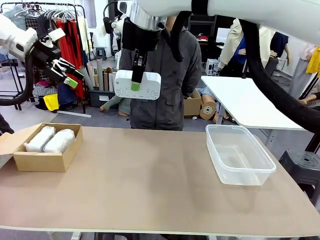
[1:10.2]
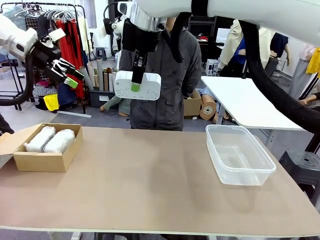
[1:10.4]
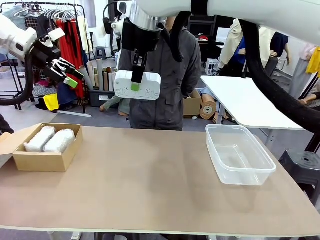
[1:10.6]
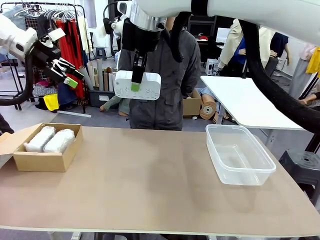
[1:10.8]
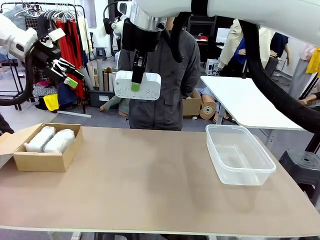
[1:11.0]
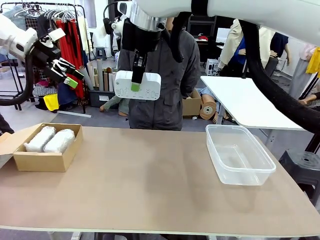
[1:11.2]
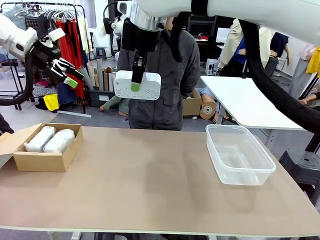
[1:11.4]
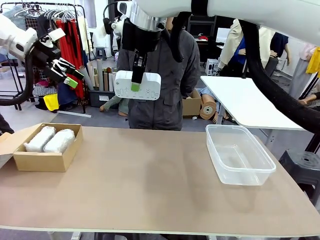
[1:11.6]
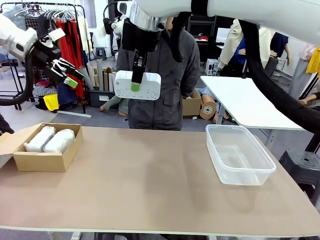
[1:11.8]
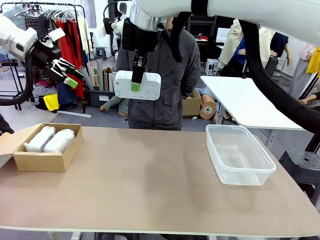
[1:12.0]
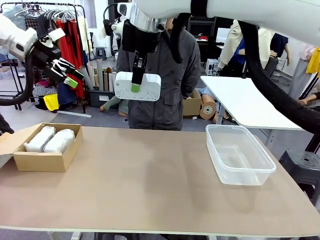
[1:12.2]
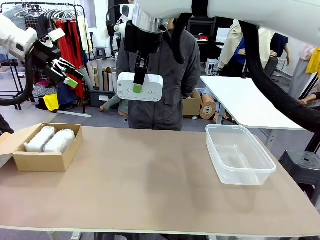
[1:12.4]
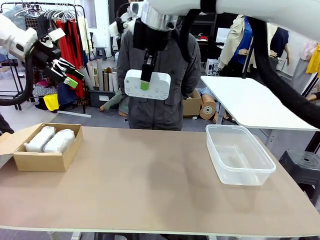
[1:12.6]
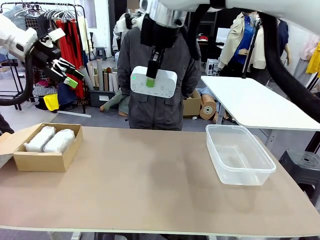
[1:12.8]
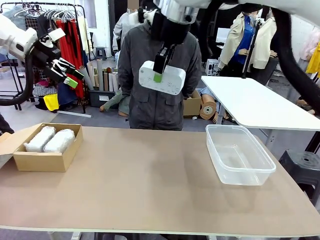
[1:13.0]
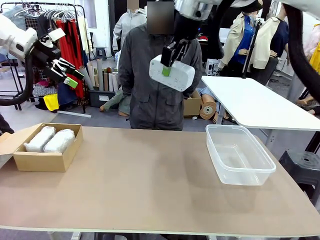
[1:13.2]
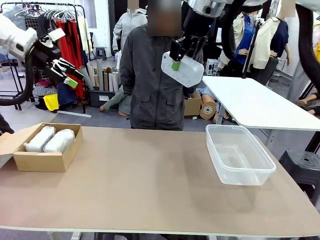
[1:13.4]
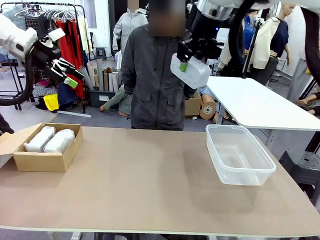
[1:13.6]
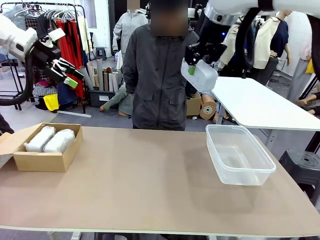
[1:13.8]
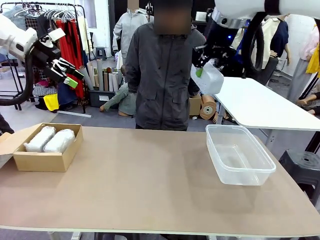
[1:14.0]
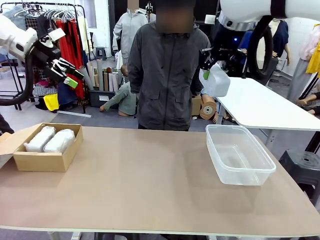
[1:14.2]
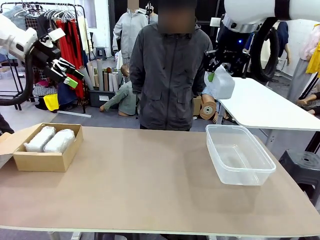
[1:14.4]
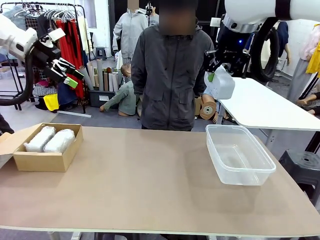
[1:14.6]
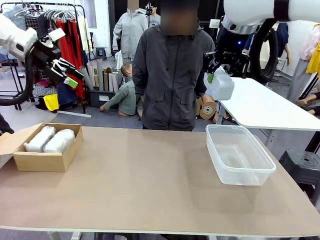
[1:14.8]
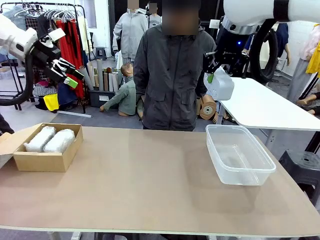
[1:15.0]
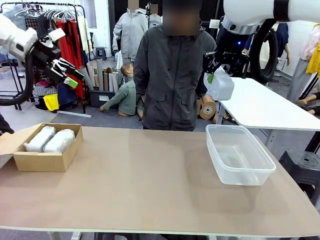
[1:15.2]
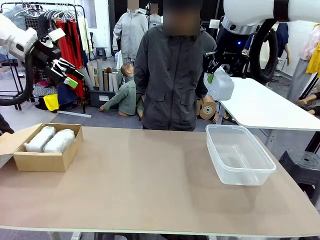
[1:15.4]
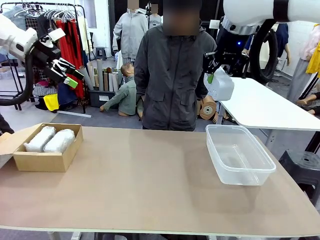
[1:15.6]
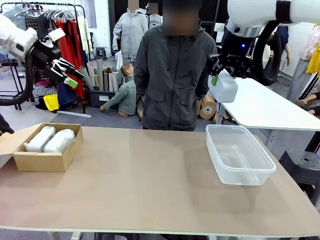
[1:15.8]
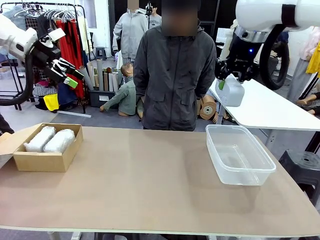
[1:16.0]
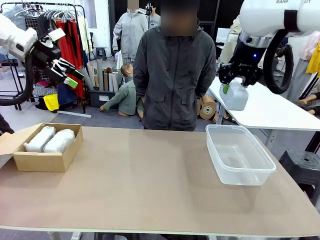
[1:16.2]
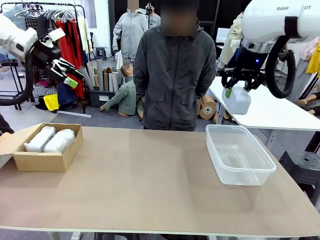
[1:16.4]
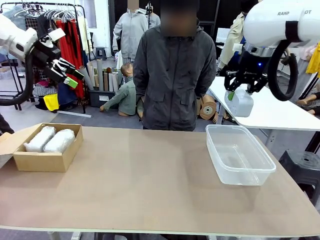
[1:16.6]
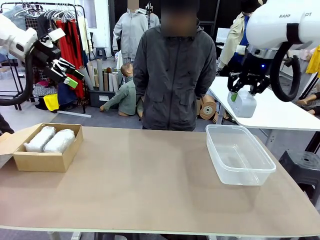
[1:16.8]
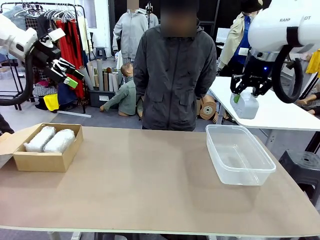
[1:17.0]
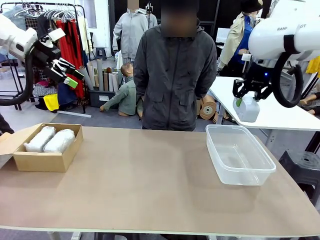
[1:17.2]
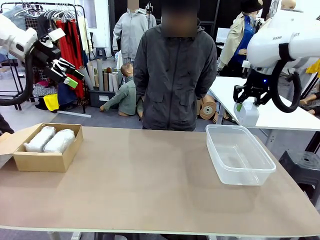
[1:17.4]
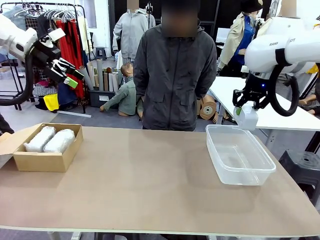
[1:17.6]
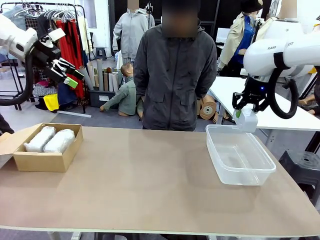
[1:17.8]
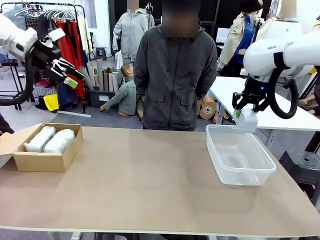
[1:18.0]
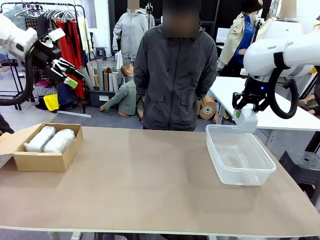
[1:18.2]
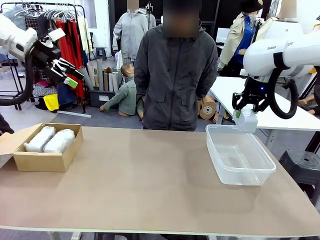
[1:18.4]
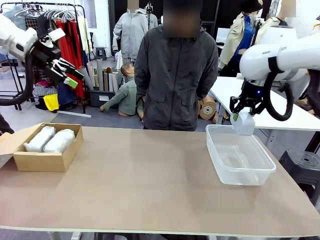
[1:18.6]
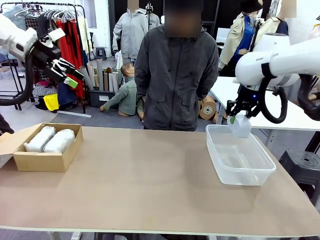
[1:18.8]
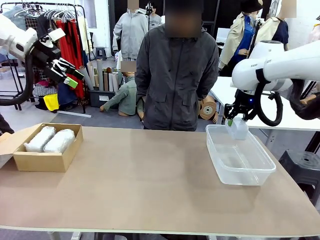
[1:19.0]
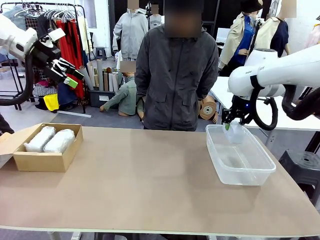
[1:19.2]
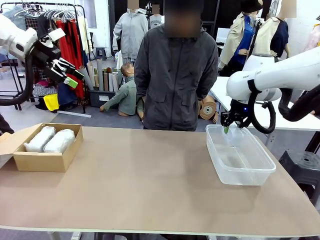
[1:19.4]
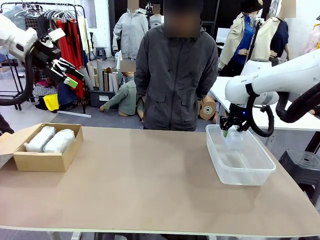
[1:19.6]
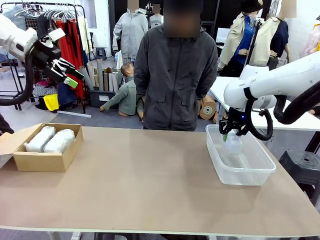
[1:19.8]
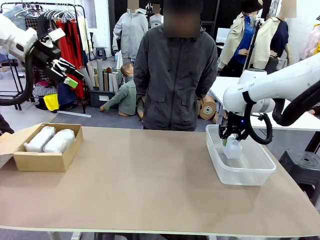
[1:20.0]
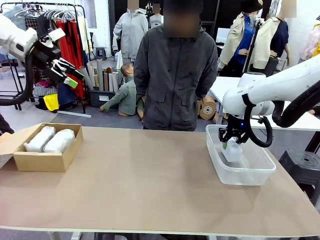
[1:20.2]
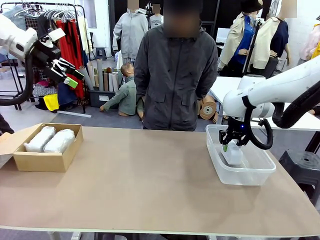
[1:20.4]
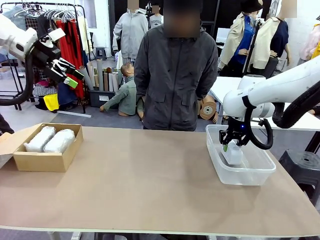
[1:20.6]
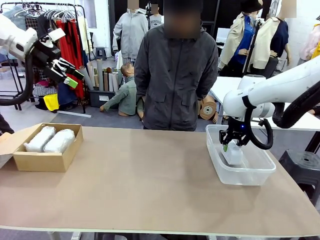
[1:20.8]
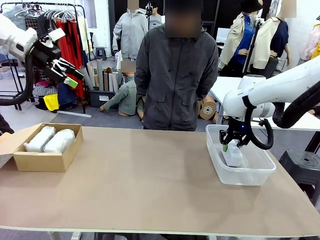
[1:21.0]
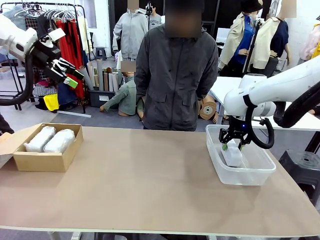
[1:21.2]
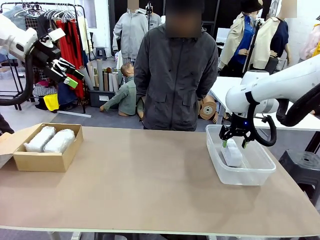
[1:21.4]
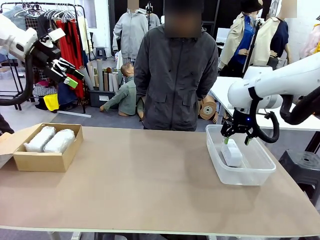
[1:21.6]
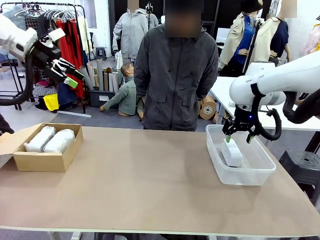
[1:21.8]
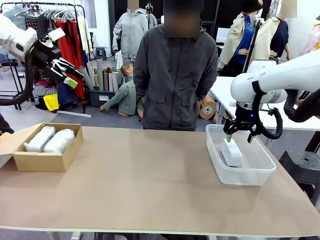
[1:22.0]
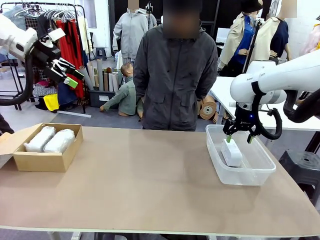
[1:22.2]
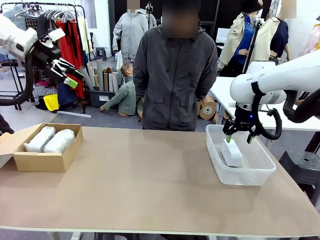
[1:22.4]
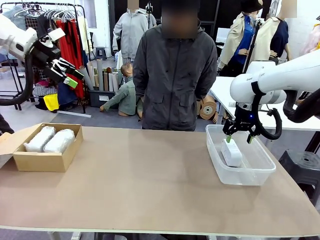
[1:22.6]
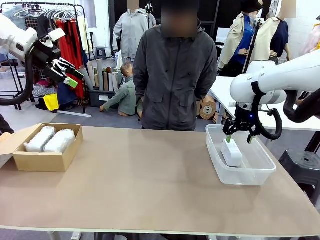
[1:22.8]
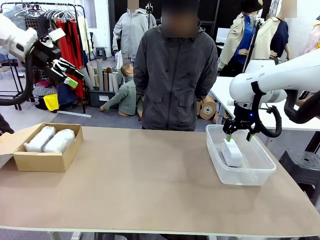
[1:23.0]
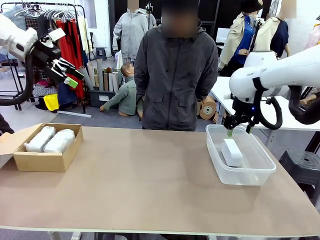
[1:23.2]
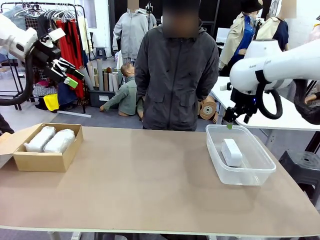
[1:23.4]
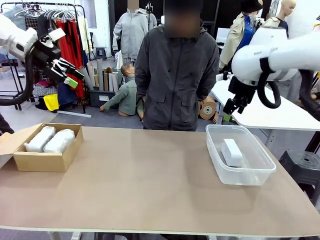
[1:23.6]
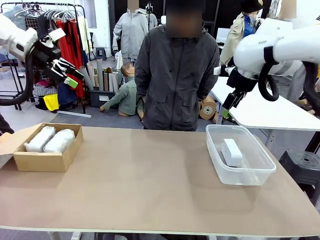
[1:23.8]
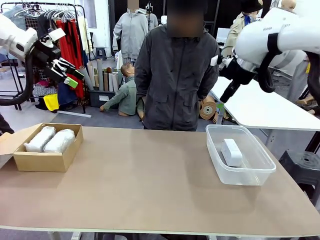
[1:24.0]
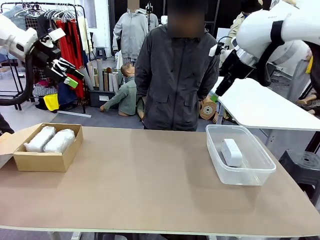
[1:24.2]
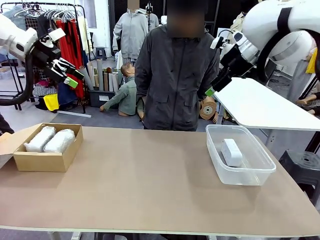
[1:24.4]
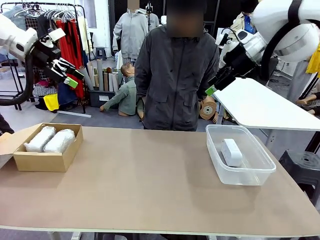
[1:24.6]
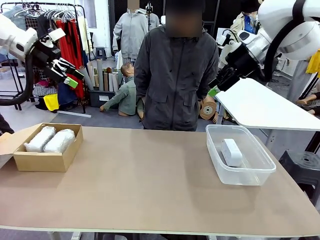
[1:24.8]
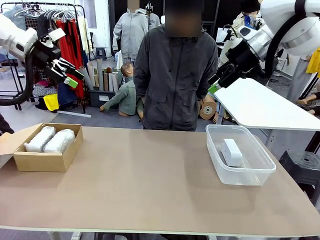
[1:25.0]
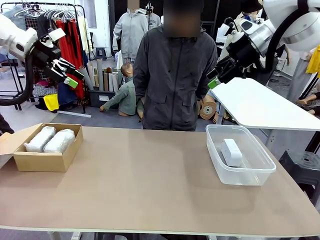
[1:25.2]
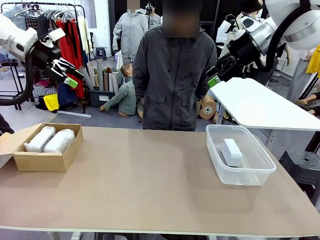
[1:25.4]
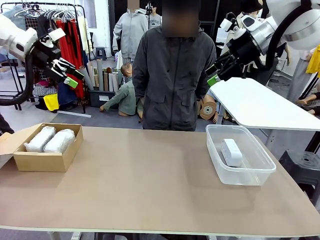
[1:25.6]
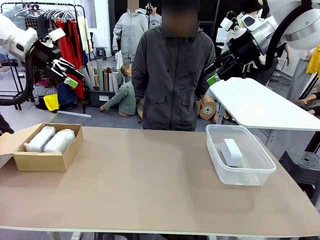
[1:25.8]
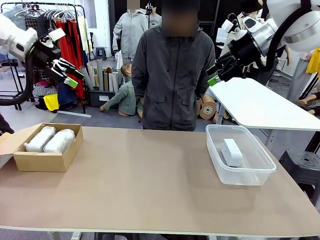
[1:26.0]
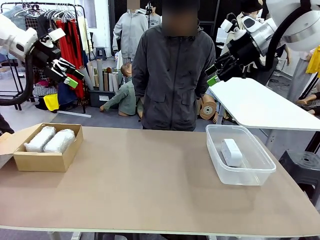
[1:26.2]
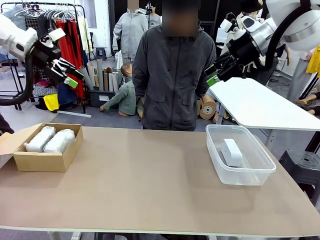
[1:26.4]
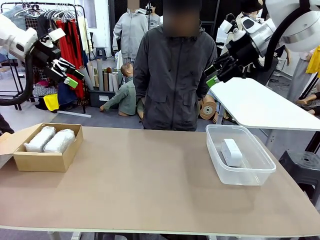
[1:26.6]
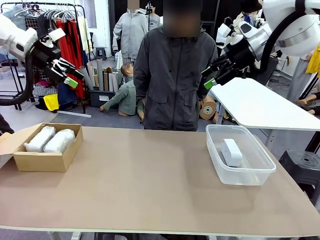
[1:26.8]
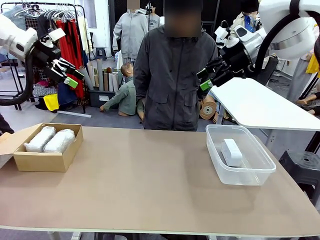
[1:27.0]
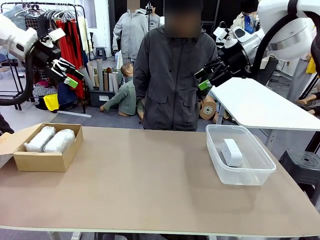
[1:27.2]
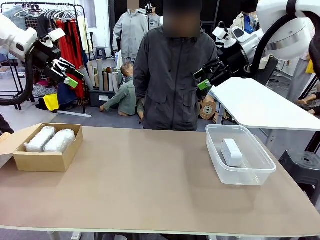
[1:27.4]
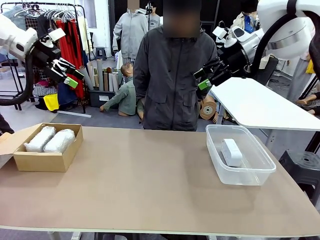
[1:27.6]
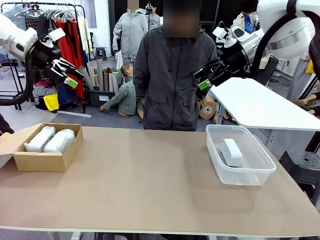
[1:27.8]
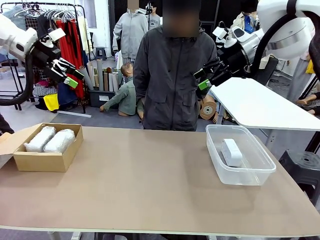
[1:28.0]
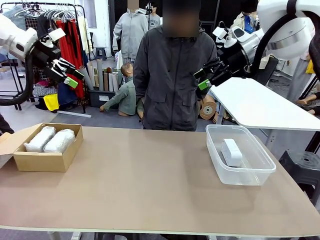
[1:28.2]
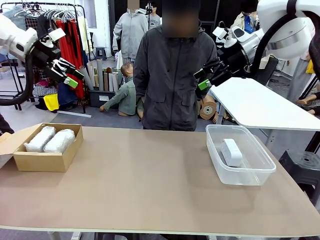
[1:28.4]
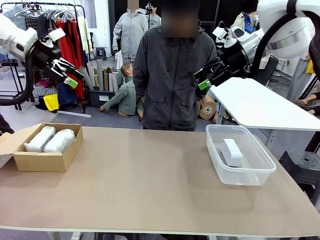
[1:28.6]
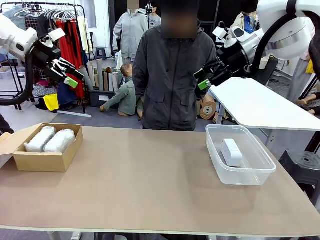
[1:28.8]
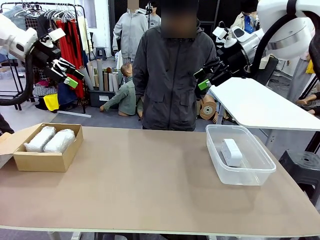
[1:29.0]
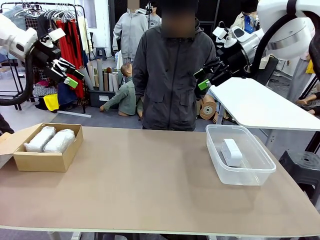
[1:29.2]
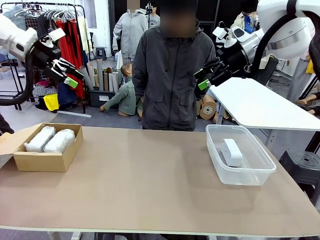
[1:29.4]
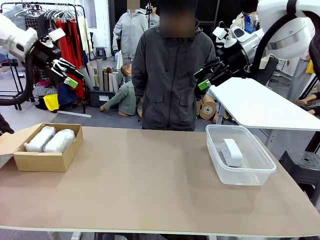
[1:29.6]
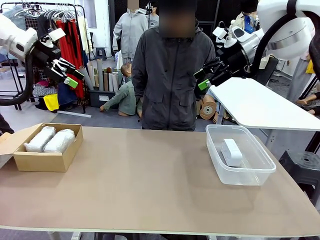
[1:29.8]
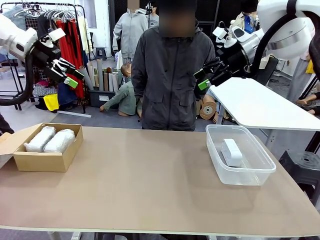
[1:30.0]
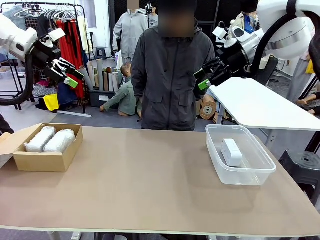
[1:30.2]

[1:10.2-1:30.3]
Task: Separate and place wrapped and unwrapped clocks.
Robot: If the picked Digital clock is wrapped, place it in the Package Box ; if not, place it in the Organizing box.
